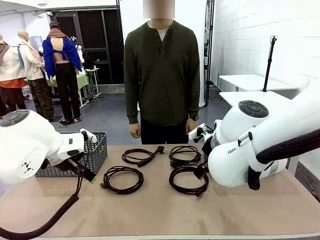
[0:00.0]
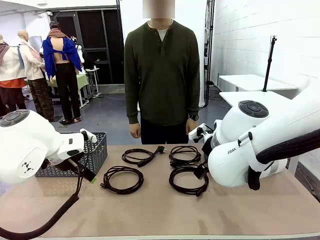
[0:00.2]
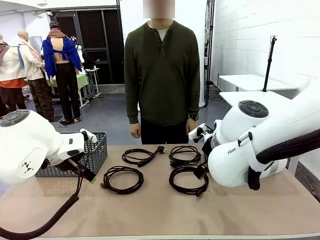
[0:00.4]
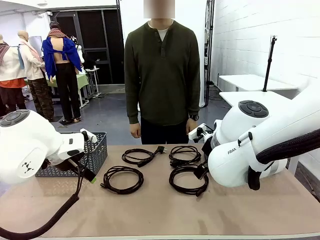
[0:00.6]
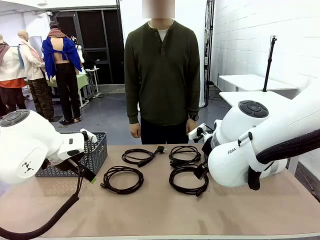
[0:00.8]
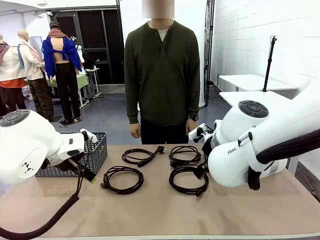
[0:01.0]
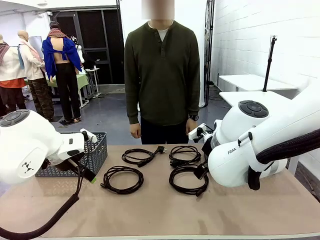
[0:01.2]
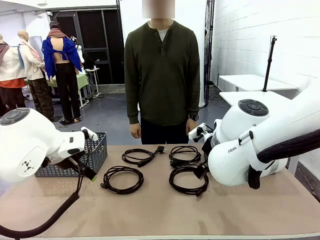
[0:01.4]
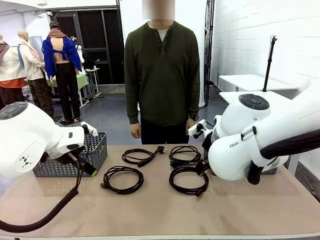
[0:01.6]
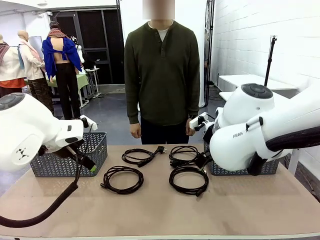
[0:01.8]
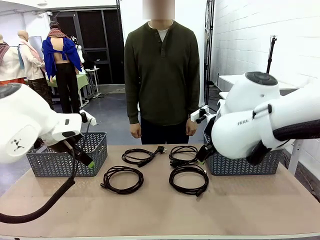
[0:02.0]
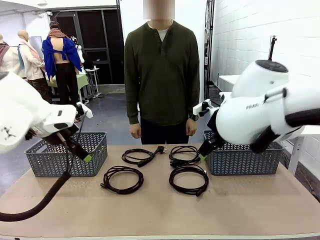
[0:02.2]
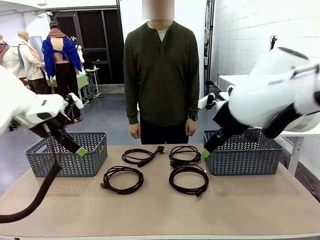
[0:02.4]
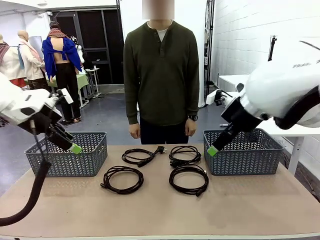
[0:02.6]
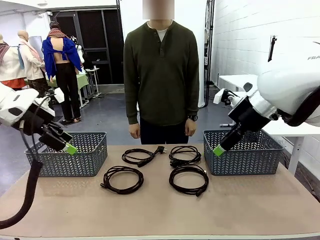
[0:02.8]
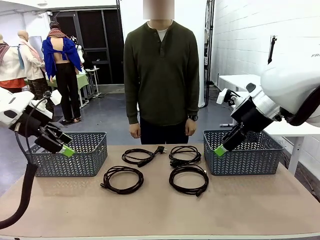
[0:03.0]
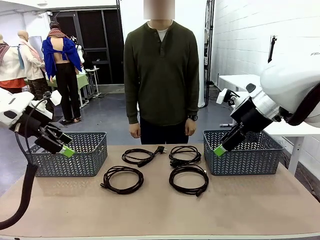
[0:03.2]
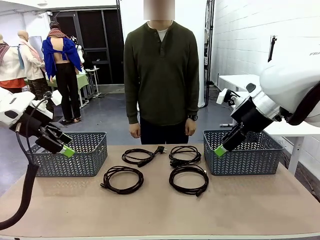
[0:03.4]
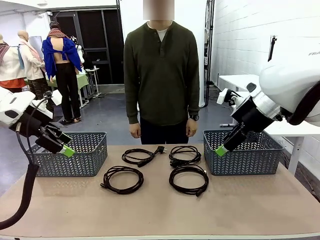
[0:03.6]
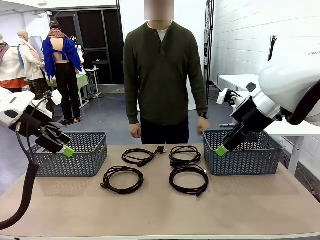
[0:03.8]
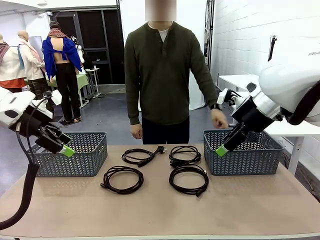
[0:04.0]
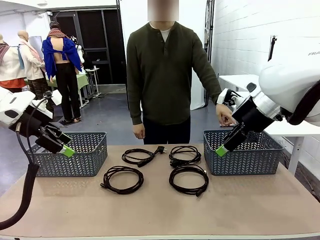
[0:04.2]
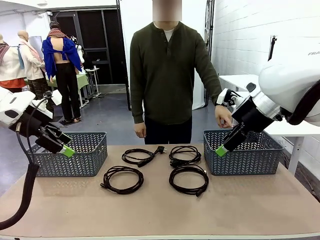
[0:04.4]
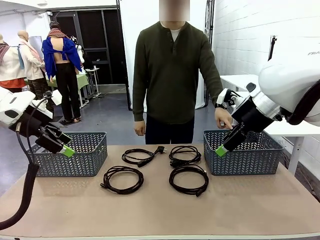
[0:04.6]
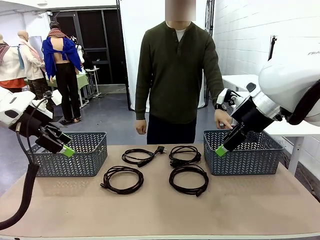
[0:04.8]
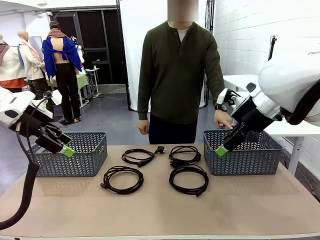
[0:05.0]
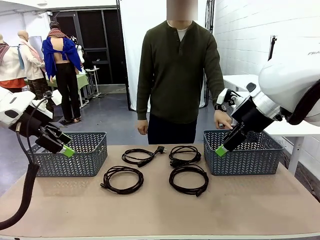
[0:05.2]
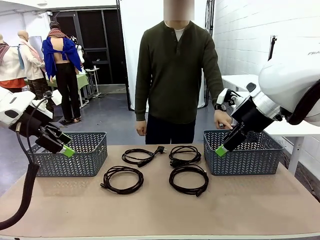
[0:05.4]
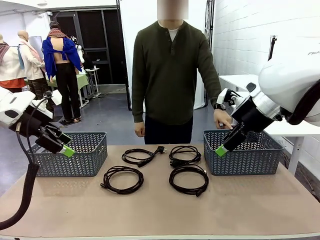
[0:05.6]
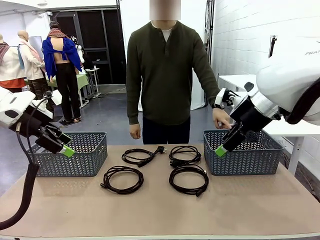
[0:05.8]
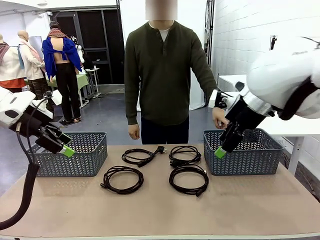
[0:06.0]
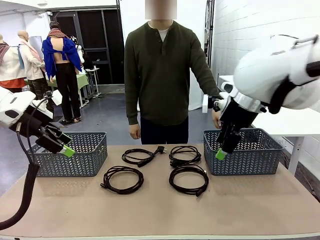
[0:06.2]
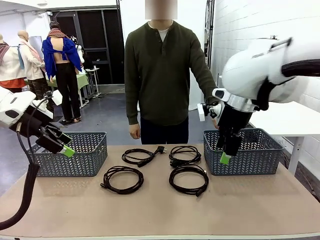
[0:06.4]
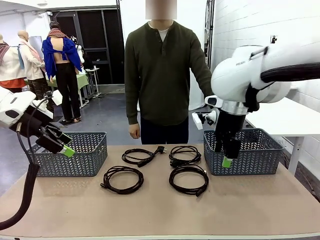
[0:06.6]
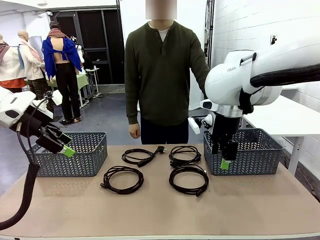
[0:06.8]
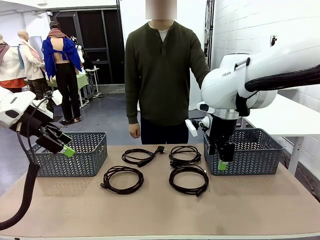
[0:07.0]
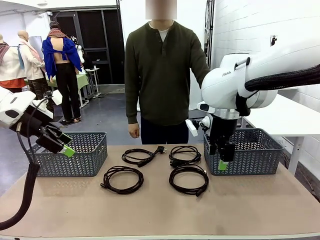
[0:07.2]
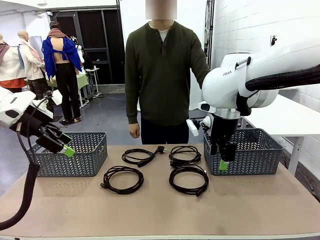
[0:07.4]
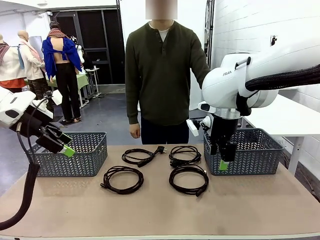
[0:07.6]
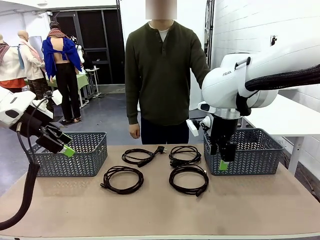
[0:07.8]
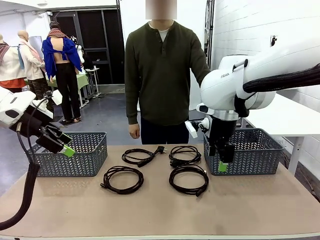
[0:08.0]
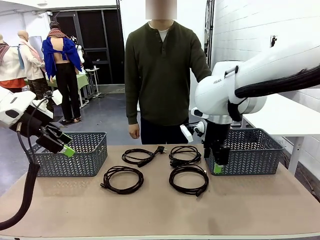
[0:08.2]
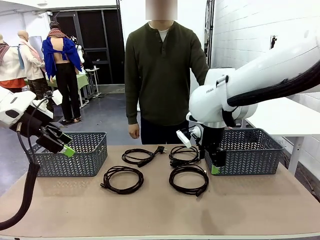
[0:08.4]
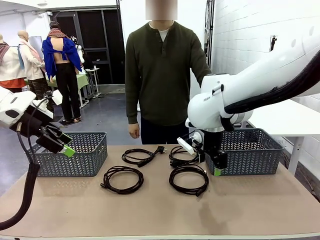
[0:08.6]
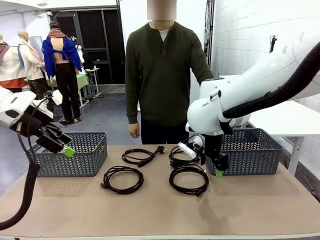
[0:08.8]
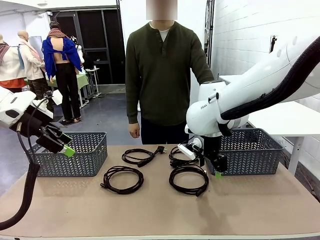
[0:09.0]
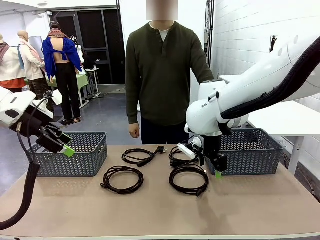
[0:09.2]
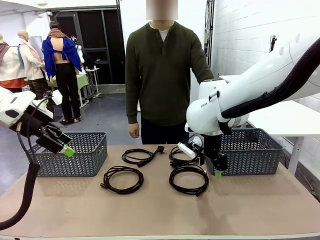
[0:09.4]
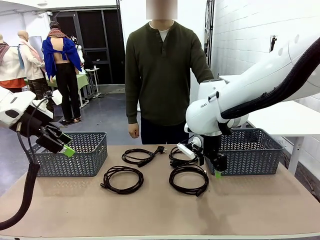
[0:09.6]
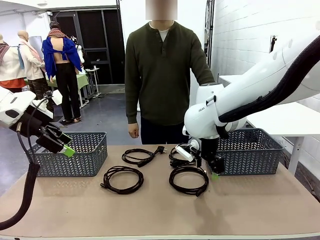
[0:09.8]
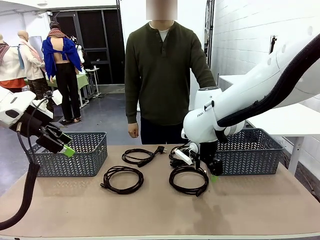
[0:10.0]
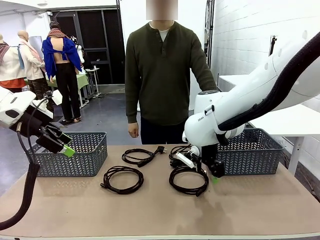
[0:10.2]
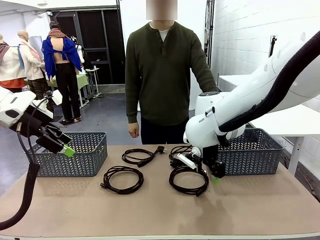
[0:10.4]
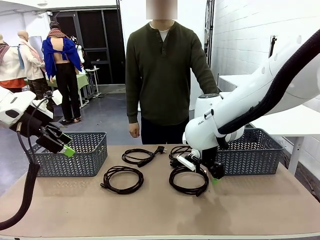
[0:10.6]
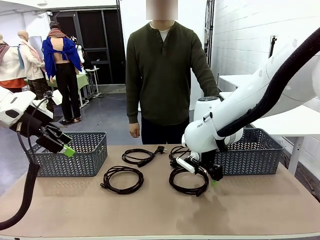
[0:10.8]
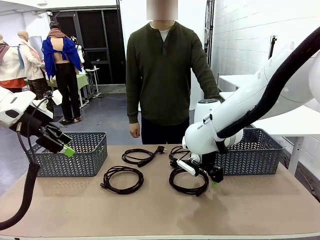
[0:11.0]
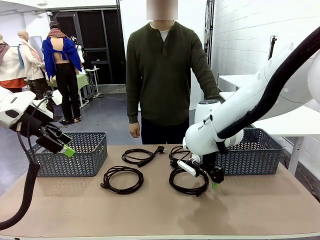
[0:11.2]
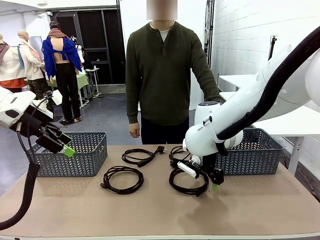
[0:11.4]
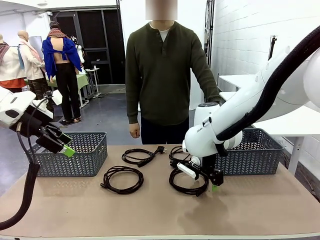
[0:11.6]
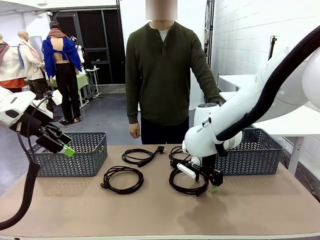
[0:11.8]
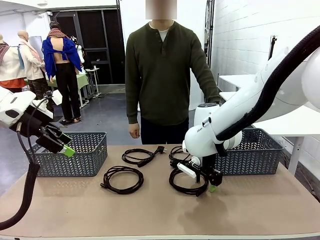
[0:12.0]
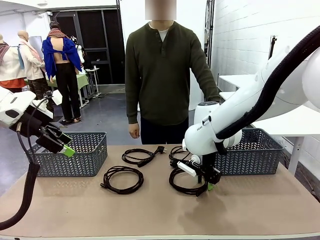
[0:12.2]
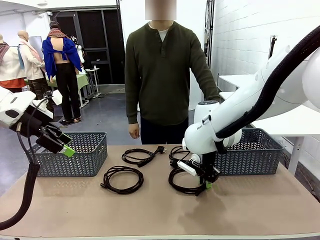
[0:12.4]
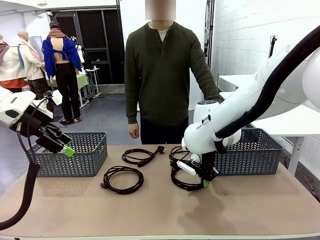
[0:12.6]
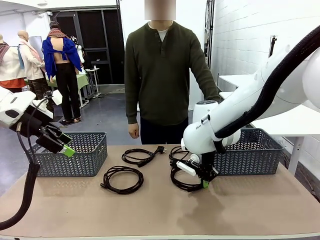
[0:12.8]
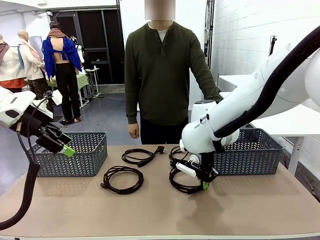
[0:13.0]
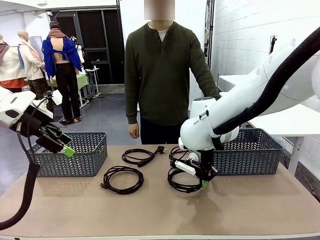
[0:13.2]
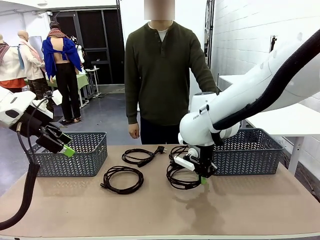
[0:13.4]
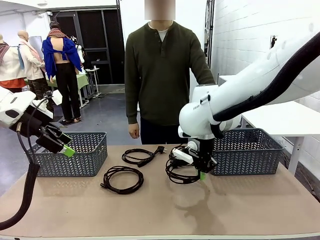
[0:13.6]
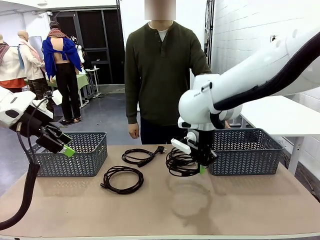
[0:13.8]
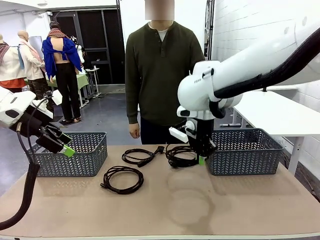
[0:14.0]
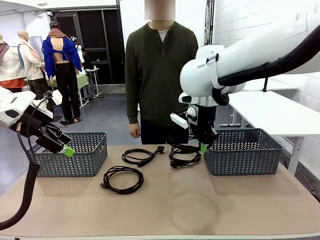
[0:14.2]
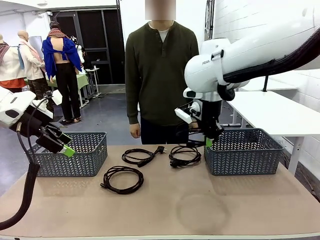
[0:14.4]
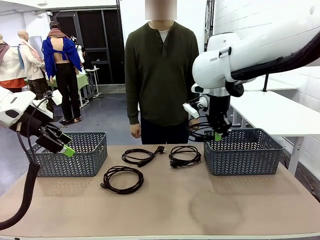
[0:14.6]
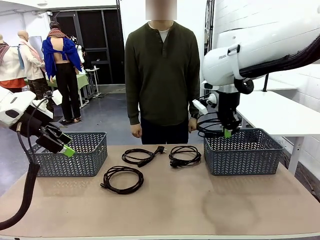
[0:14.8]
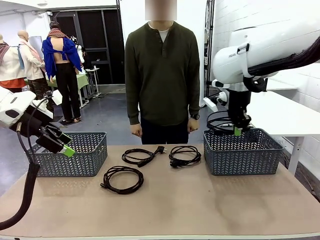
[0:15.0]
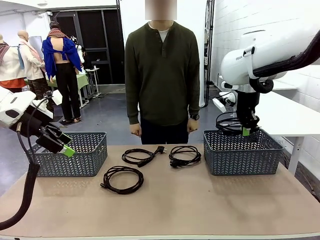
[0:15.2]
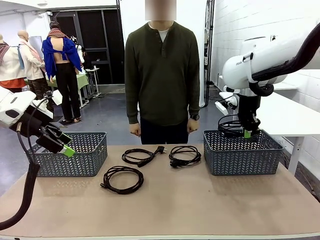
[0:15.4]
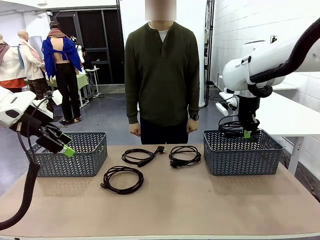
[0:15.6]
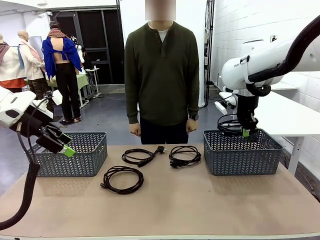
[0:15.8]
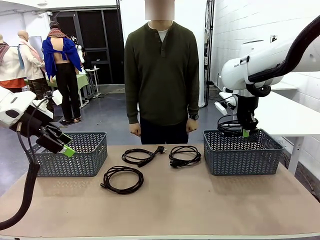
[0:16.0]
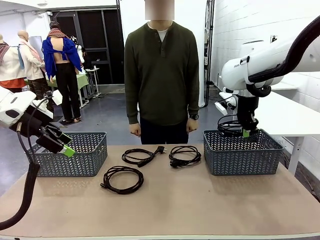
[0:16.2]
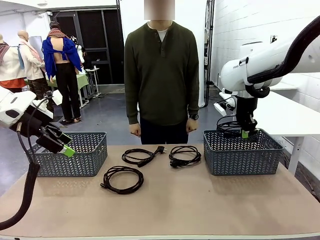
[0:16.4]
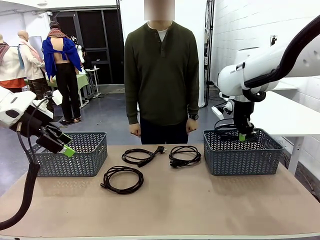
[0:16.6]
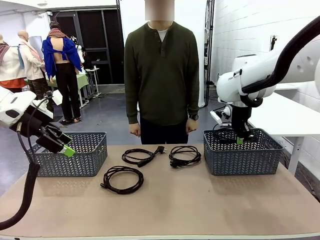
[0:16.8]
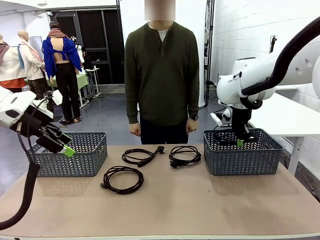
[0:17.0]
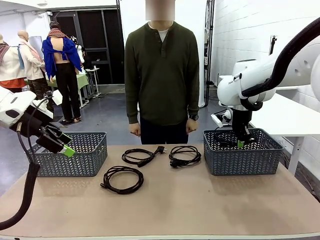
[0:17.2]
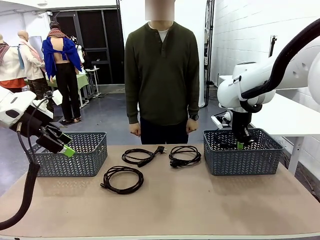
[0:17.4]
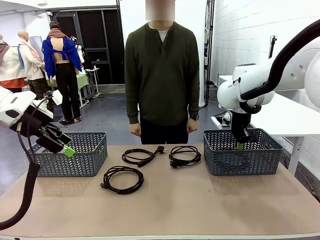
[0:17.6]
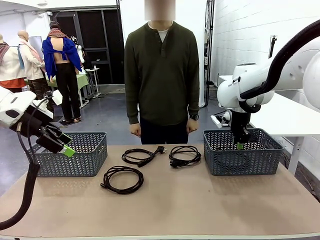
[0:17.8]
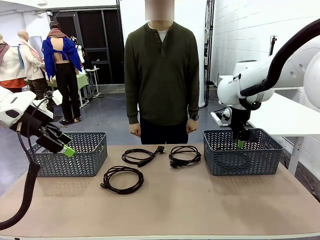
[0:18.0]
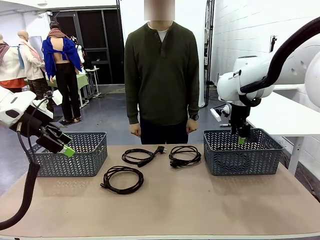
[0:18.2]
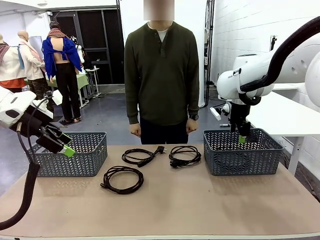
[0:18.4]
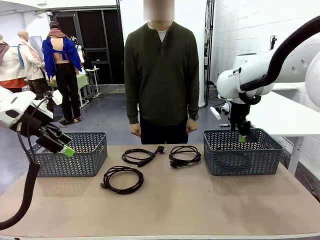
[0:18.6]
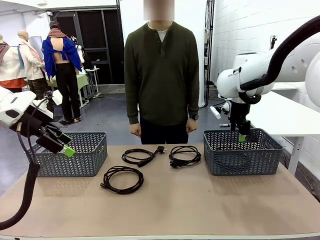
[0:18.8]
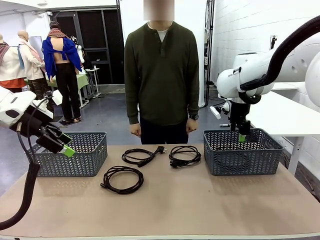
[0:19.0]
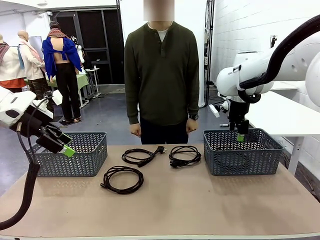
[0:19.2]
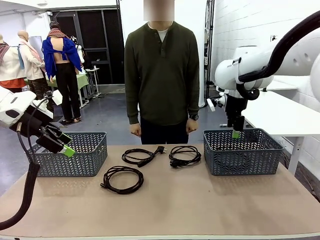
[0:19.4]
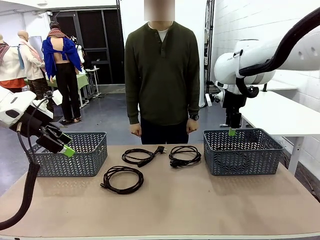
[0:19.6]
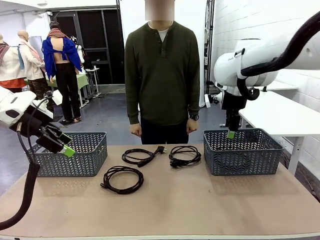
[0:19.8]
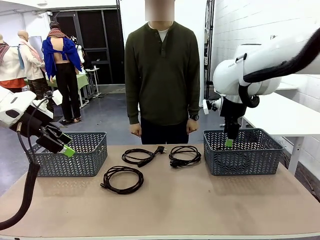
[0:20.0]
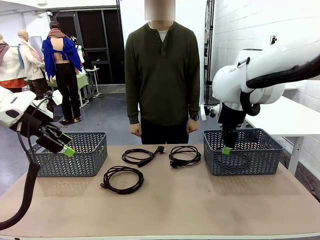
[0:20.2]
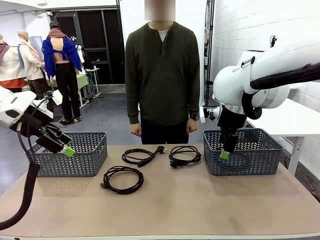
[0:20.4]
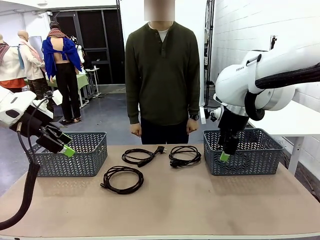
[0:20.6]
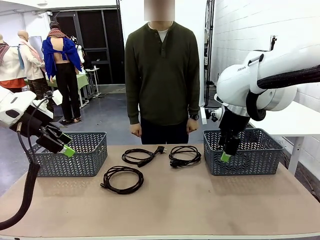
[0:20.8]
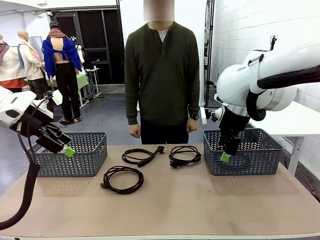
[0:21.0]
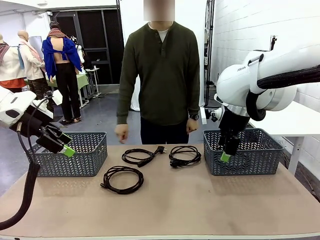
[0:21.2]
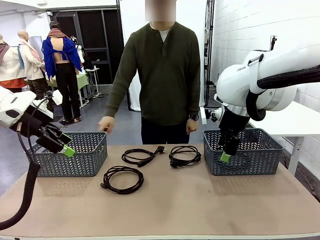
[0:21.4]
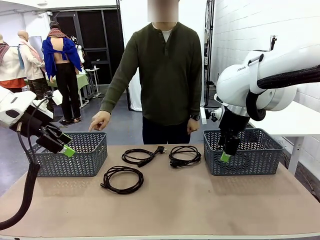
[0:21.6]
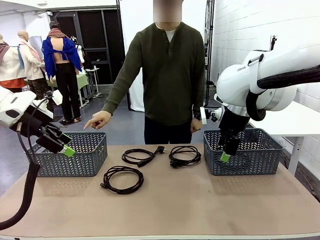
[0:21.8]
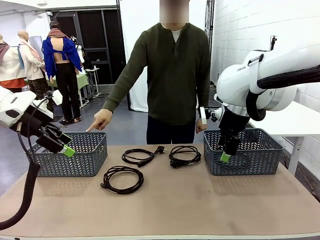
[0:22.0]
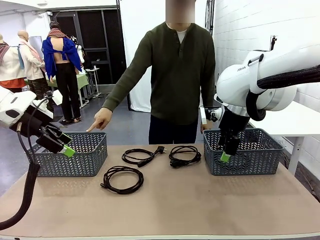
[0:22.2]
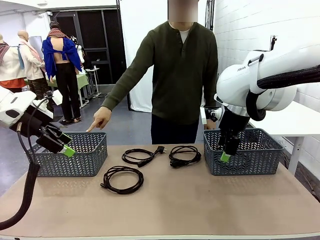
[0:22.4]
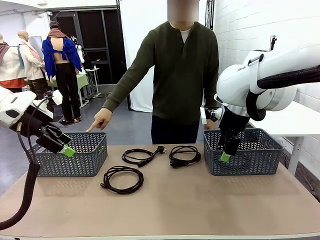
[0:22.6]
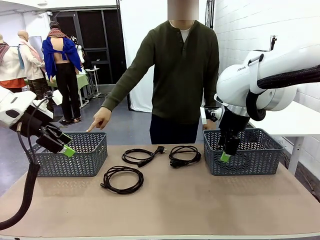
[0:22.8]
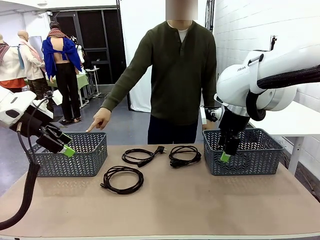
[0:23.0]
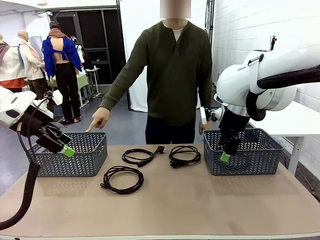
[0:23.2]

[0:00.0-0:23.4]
Task: Organize the cables according to human instructions.
Robot: Pick up a bundle of cables and place it in the basket indicated by the human.
